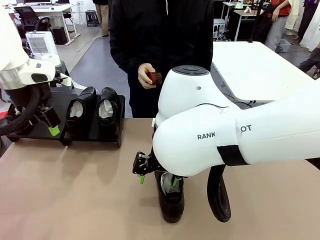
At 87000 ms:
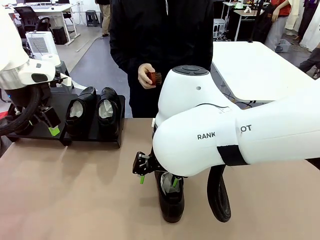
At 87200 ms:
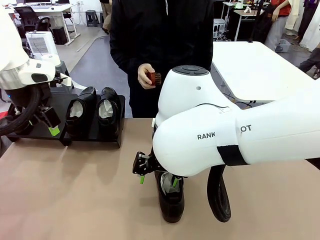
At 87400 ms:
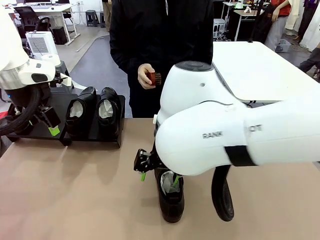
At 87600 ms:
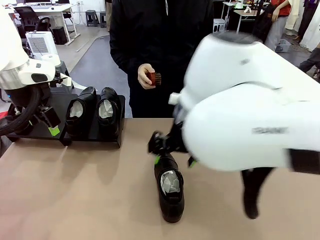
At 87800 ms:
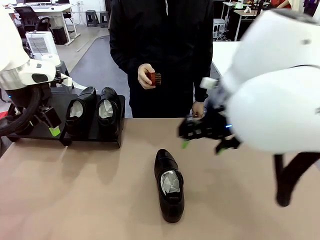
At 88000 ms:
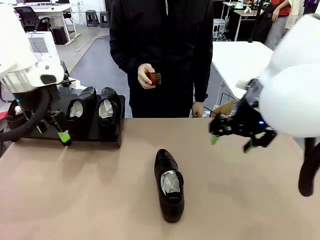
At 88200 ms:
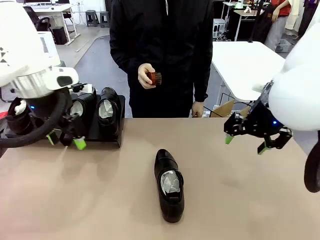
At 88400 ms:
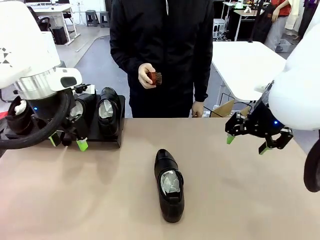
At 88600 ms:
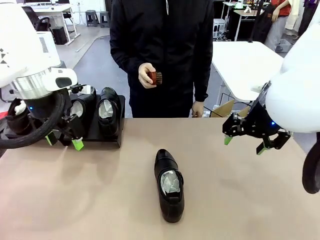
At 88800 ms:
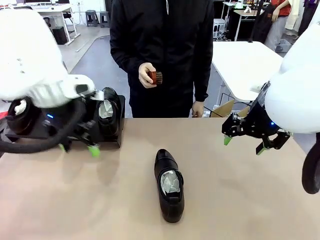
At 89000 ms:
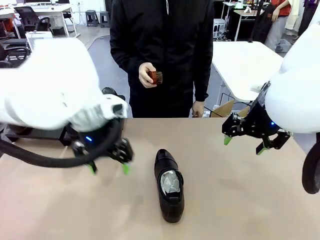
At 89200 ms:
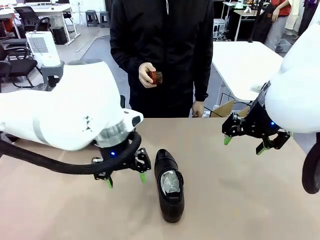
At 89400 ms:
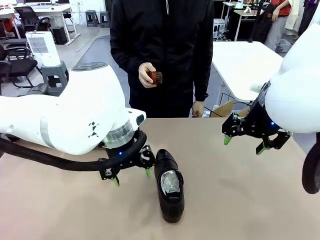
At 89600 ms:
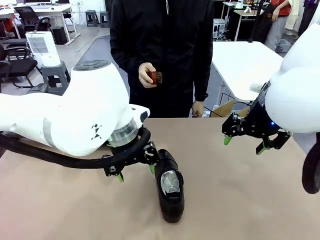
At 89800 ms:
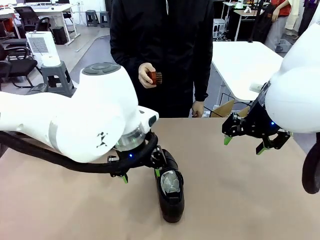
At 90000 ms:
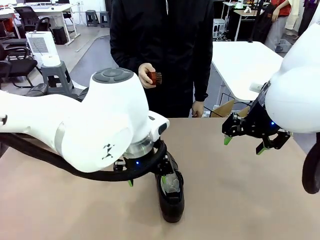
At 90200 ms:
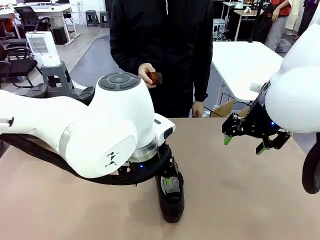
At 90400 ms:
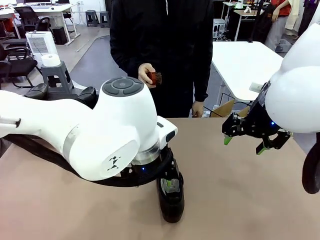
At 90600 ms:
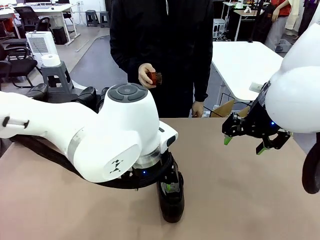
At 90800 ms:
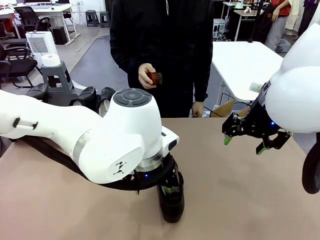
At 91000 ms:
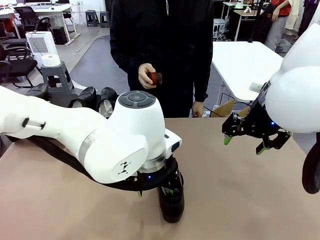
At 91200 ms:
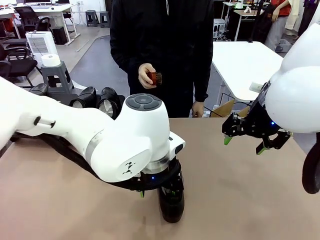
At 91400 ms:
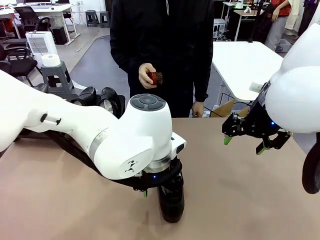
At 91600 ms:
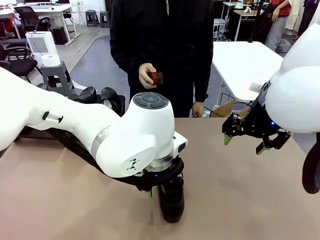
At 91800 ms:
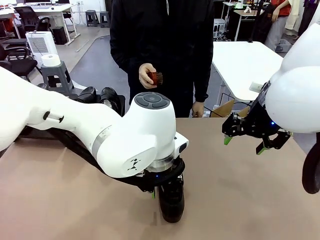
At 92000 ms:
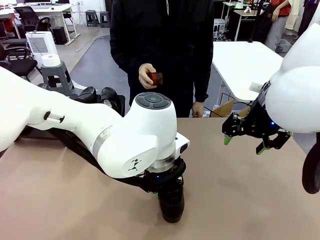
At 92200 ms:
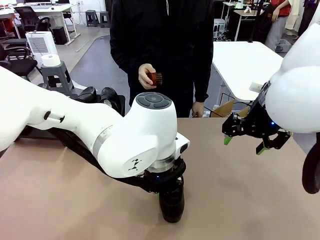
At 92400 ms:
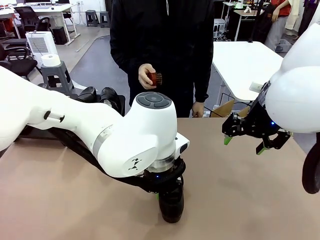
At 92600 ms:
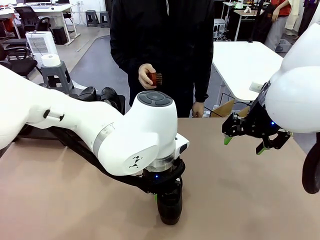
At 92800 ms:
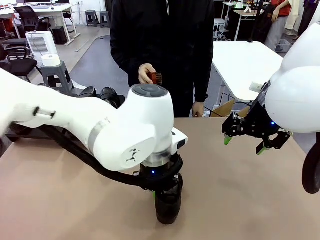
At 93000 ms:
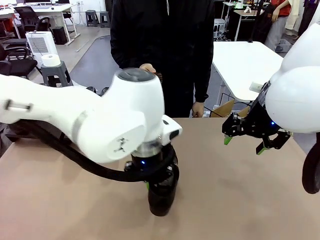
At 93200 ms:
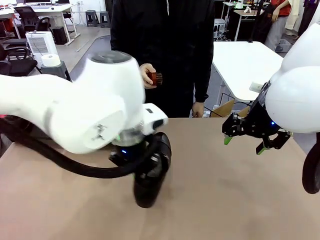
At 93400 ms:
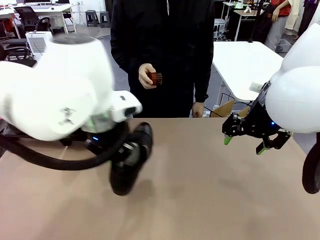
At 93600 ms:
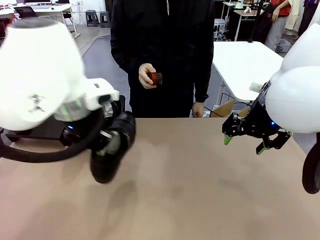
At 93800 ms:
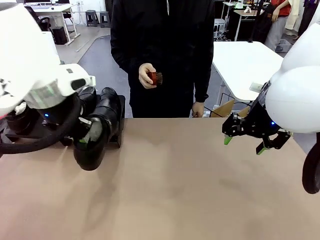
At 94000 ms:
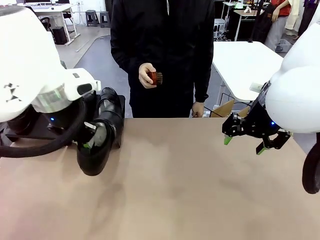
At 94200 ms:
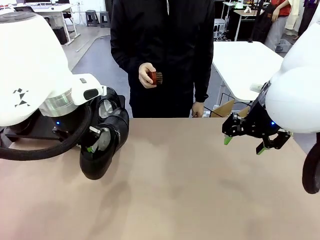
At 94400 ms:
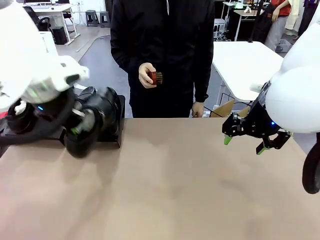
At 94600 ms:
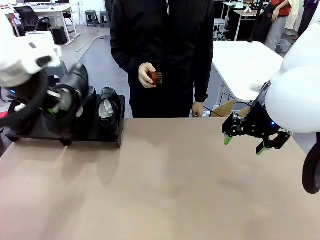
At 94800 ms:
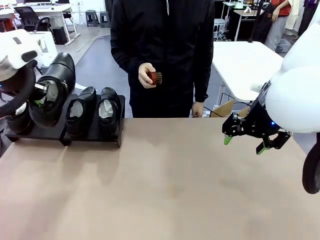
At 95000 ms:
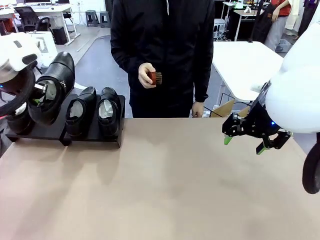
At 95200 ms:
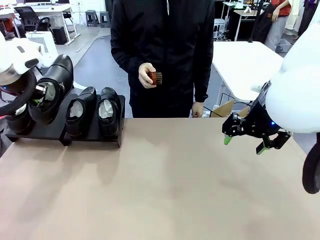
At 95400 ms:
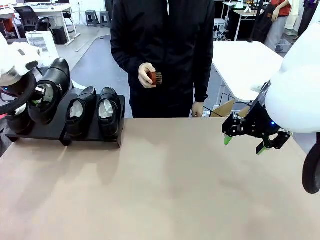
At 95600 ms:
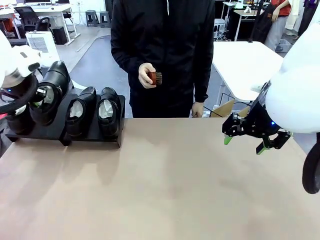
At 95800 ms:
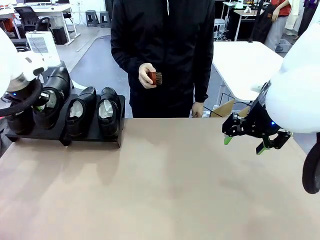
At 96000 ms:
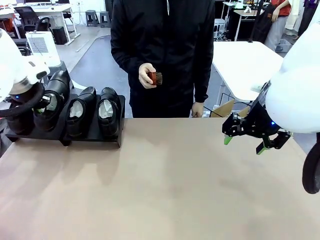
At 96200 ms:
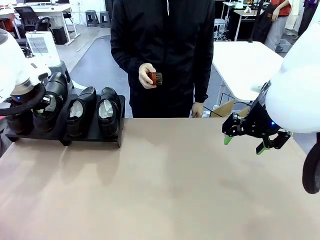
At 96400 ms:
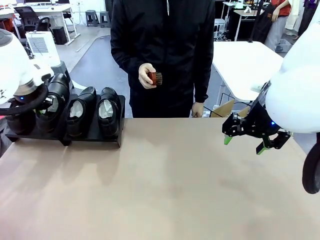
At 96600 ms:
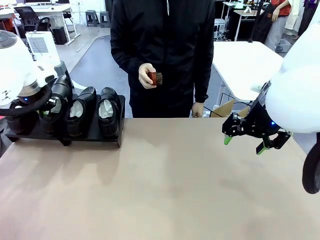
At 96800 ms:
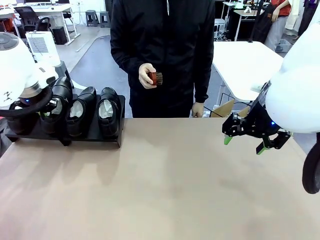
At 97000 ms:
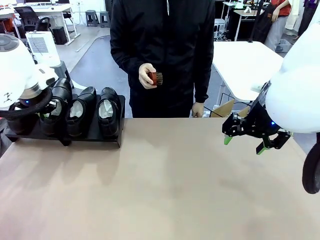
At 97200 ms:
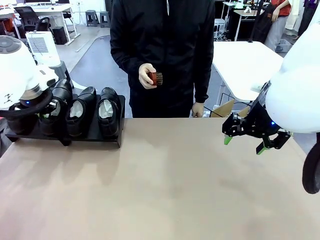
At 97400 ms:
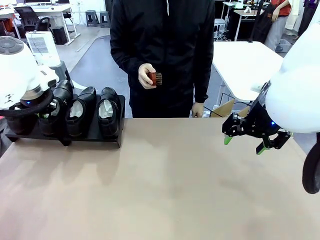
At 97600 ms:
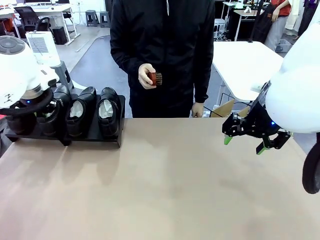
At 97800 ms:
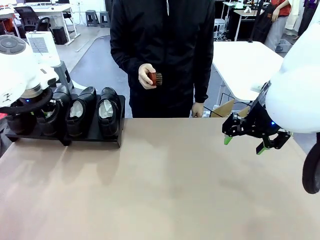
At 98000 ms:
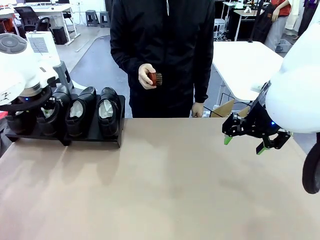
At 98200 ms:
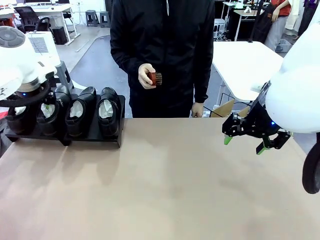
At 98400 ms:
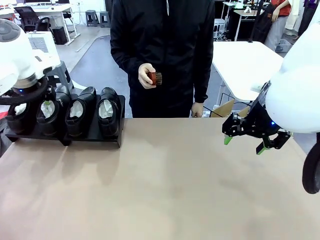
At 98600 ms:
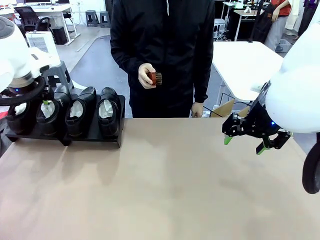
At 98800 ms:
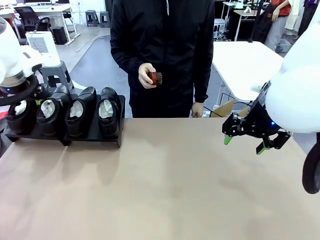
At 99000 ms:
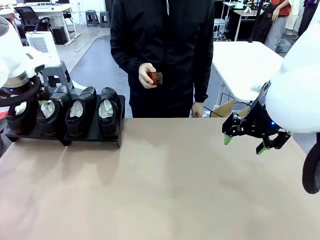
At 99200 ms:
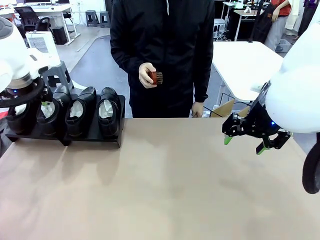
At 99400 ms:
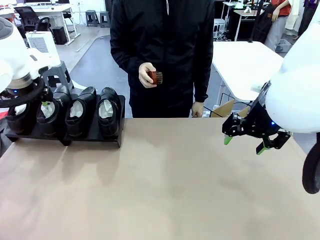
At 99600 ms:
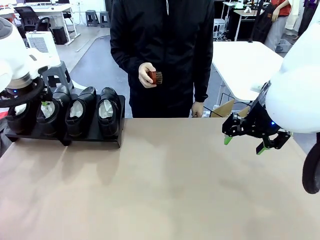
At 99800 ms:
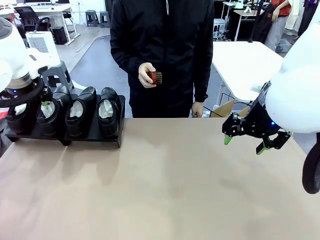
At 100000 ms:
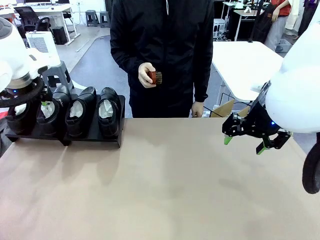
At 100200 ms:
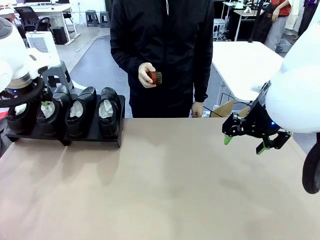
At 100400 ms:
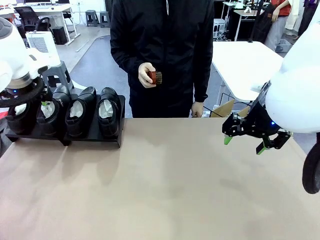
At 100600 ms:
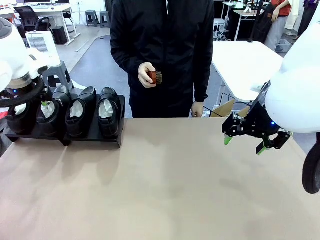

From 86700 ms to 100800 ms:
Task: Organize the shoes by placing them on the stand.
Robot: Place the Shoe from the middle of the table onto the Shoes Stand.
